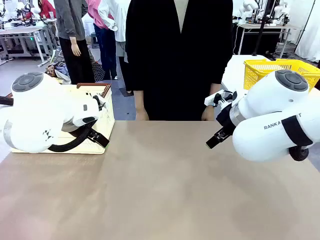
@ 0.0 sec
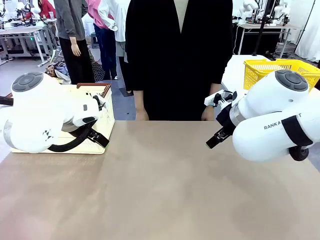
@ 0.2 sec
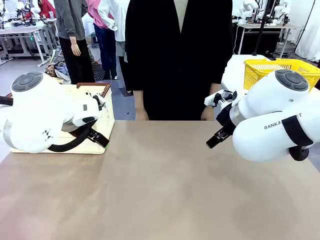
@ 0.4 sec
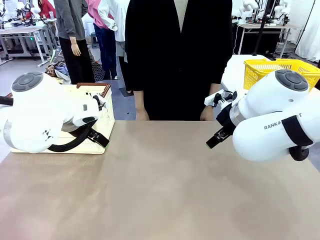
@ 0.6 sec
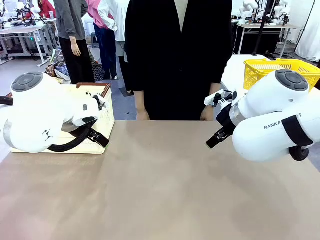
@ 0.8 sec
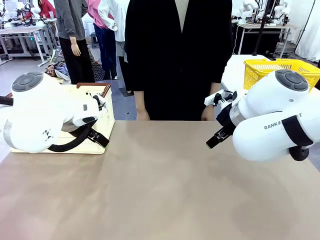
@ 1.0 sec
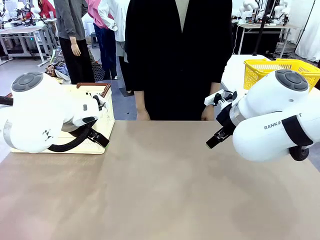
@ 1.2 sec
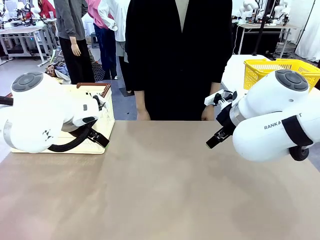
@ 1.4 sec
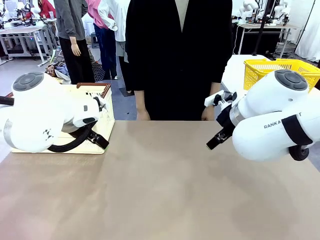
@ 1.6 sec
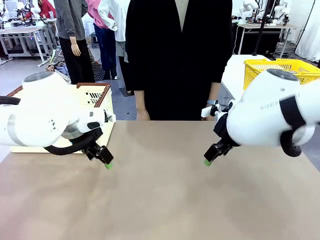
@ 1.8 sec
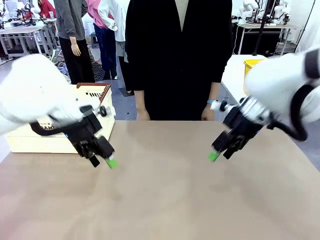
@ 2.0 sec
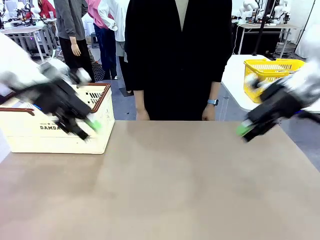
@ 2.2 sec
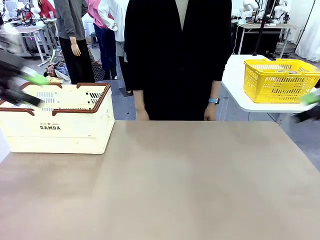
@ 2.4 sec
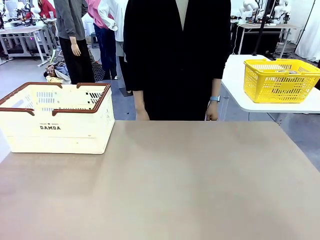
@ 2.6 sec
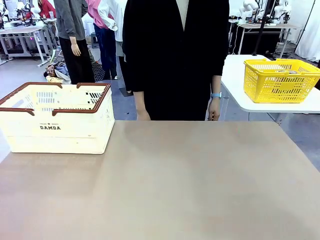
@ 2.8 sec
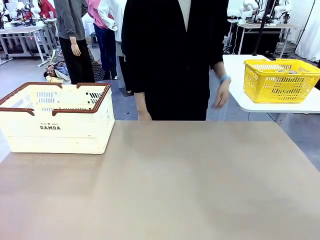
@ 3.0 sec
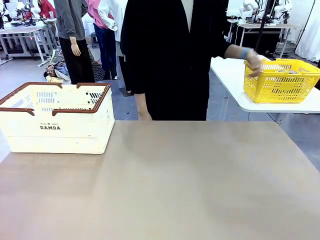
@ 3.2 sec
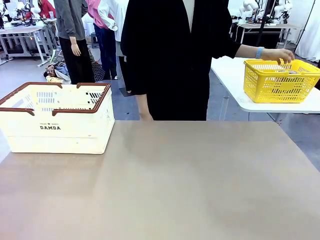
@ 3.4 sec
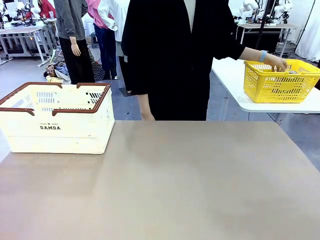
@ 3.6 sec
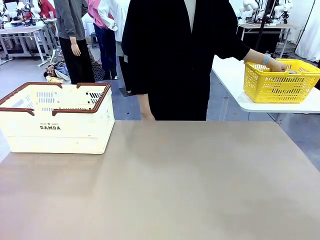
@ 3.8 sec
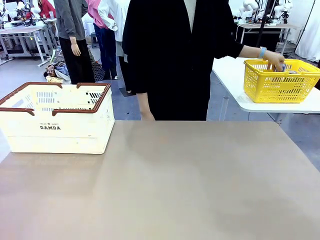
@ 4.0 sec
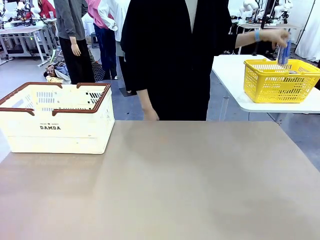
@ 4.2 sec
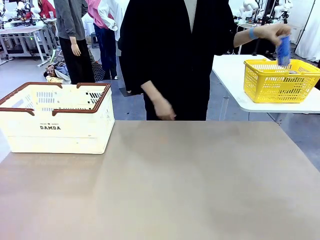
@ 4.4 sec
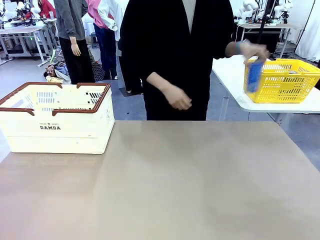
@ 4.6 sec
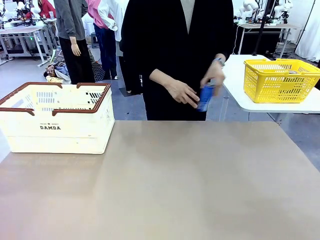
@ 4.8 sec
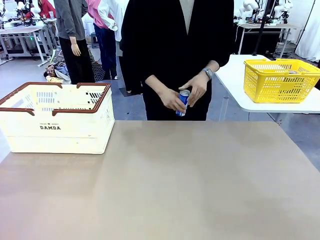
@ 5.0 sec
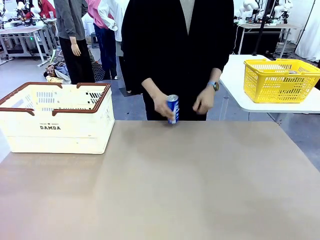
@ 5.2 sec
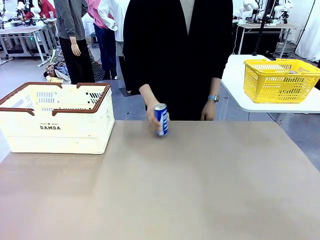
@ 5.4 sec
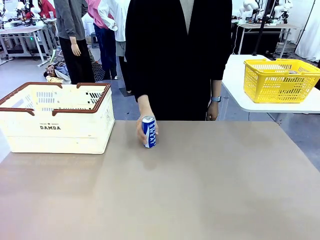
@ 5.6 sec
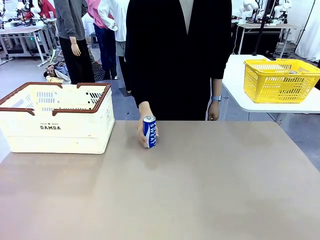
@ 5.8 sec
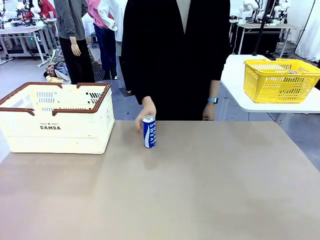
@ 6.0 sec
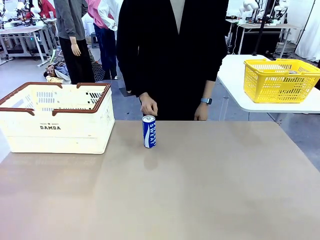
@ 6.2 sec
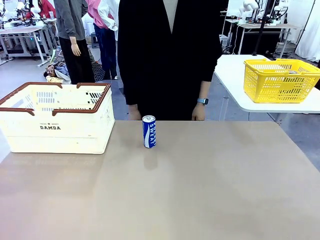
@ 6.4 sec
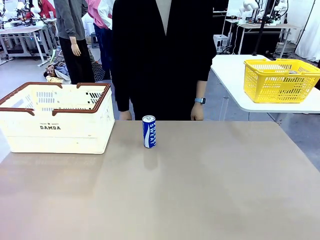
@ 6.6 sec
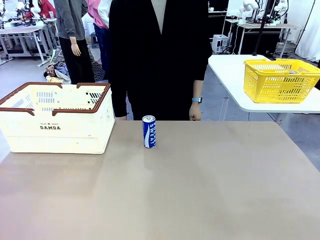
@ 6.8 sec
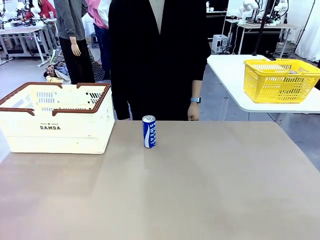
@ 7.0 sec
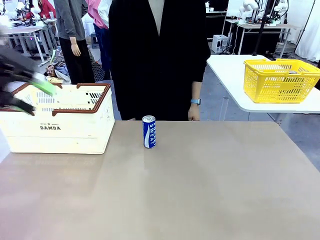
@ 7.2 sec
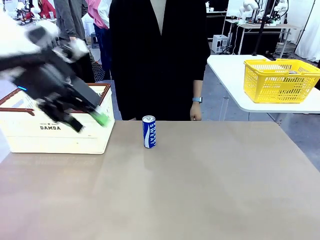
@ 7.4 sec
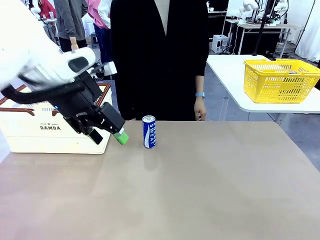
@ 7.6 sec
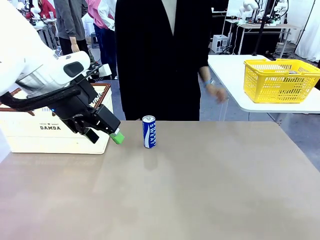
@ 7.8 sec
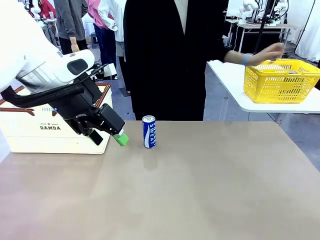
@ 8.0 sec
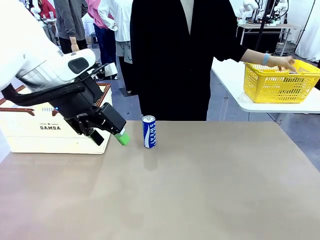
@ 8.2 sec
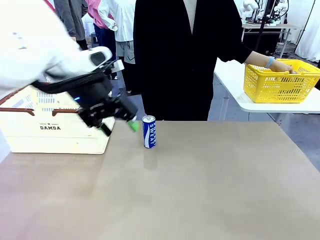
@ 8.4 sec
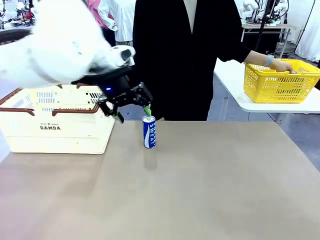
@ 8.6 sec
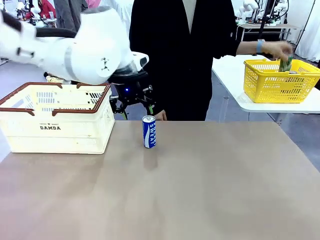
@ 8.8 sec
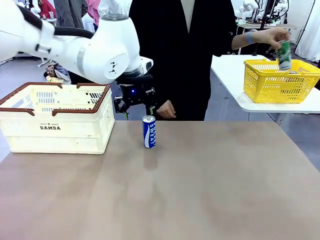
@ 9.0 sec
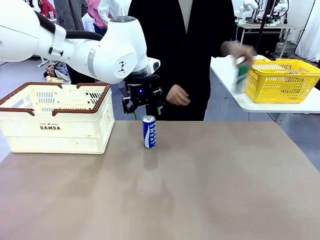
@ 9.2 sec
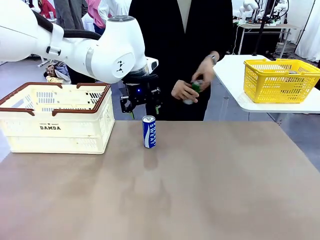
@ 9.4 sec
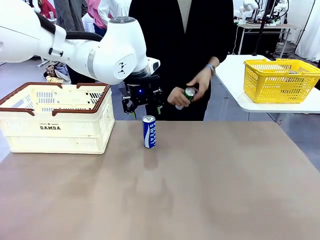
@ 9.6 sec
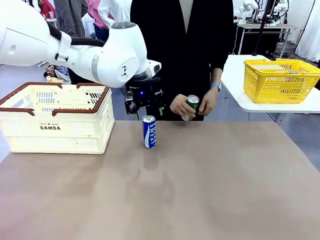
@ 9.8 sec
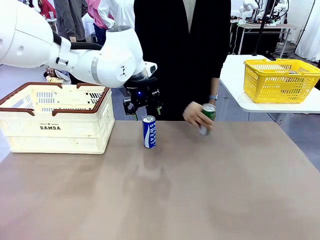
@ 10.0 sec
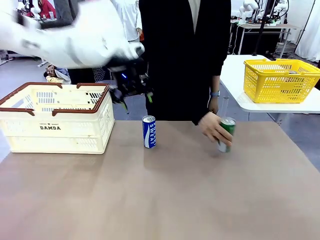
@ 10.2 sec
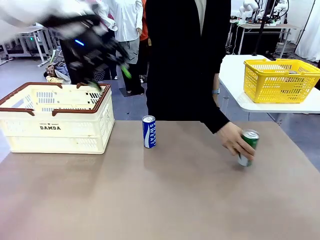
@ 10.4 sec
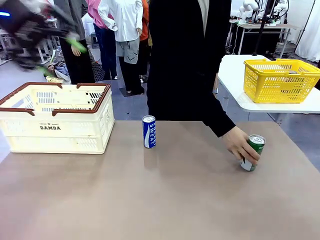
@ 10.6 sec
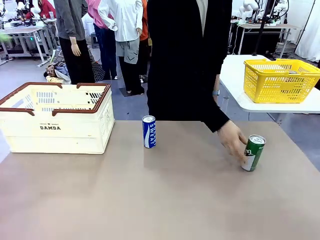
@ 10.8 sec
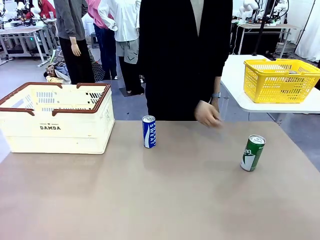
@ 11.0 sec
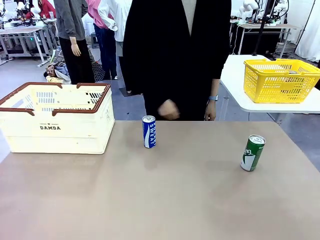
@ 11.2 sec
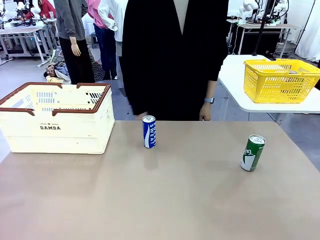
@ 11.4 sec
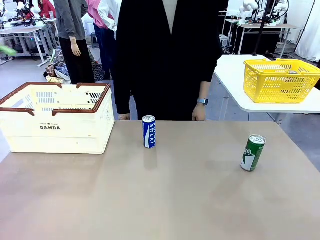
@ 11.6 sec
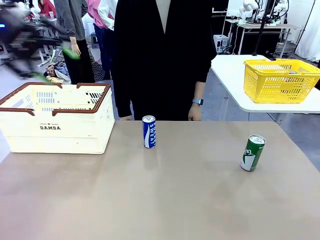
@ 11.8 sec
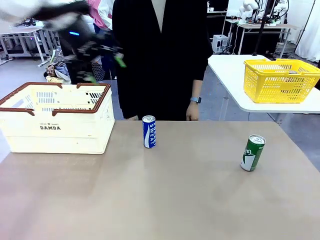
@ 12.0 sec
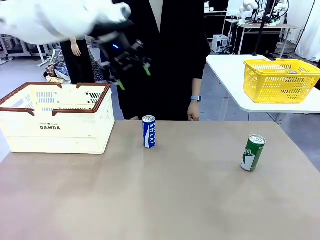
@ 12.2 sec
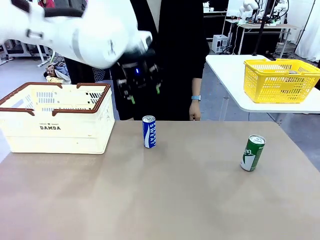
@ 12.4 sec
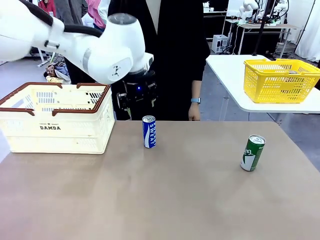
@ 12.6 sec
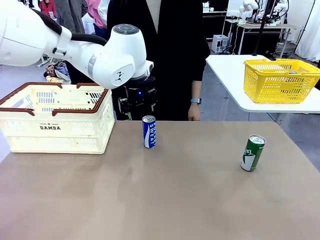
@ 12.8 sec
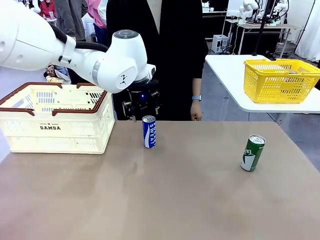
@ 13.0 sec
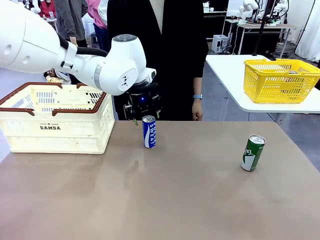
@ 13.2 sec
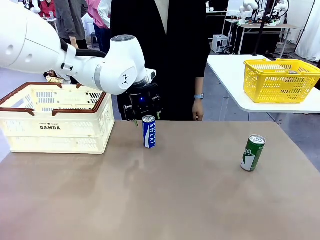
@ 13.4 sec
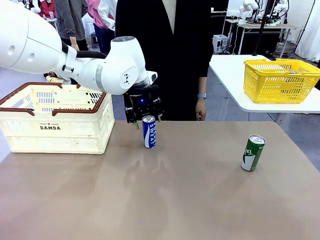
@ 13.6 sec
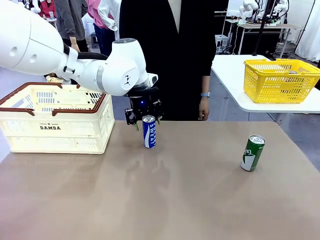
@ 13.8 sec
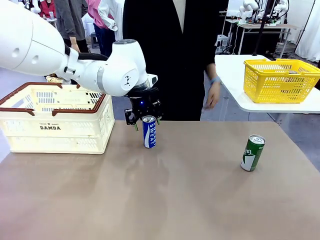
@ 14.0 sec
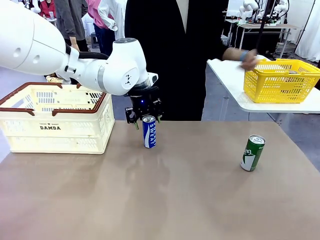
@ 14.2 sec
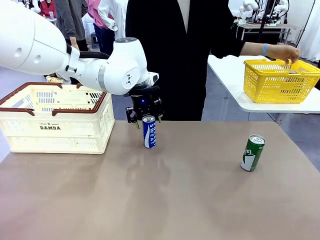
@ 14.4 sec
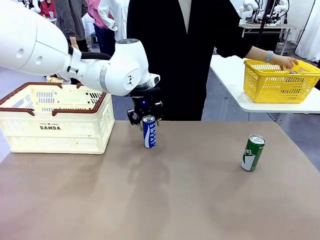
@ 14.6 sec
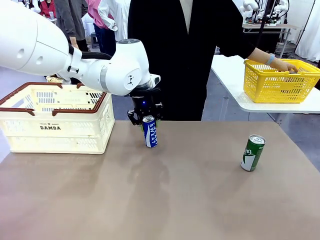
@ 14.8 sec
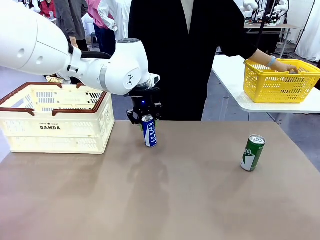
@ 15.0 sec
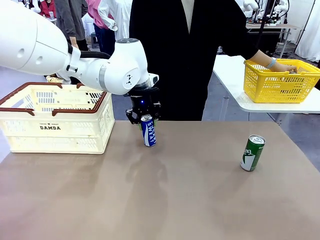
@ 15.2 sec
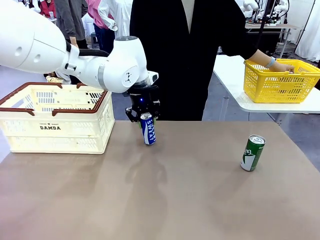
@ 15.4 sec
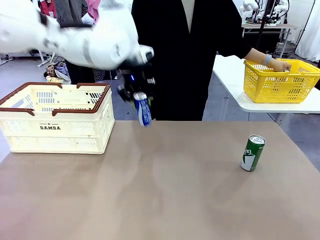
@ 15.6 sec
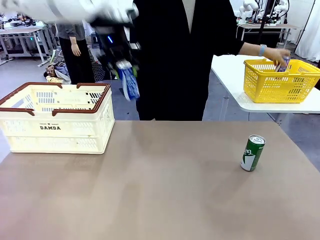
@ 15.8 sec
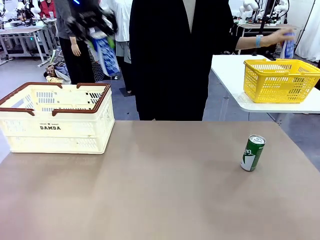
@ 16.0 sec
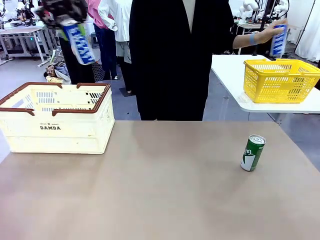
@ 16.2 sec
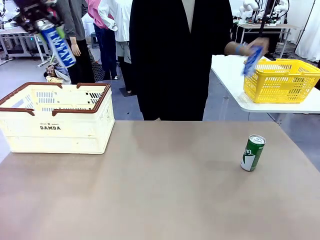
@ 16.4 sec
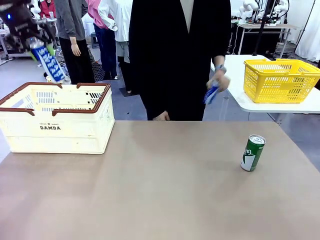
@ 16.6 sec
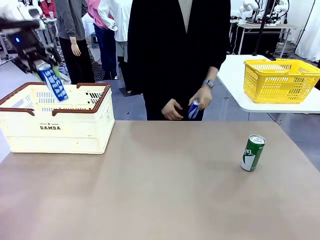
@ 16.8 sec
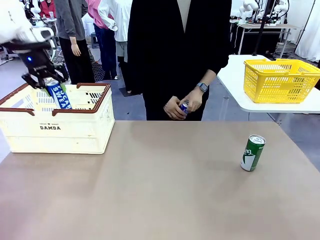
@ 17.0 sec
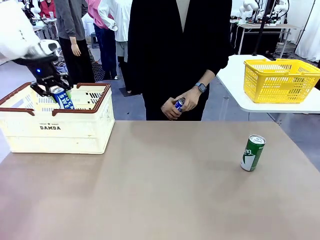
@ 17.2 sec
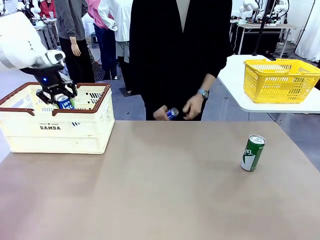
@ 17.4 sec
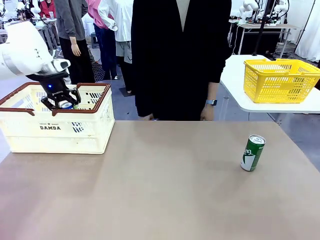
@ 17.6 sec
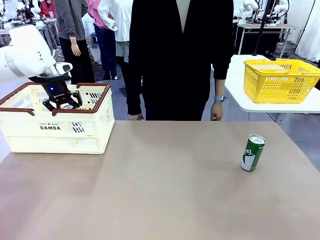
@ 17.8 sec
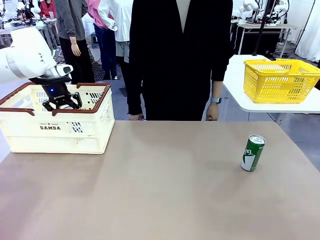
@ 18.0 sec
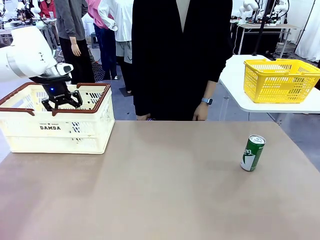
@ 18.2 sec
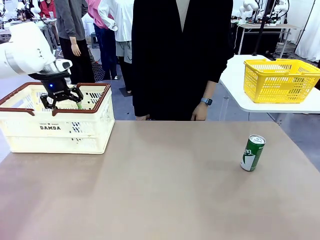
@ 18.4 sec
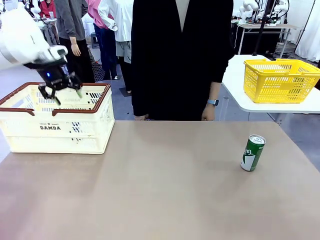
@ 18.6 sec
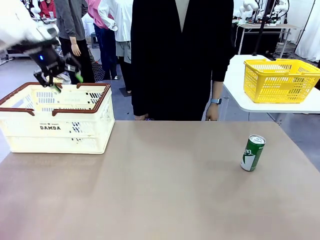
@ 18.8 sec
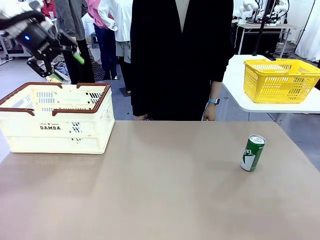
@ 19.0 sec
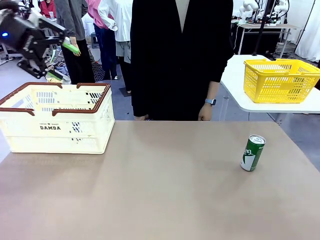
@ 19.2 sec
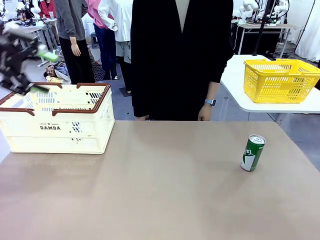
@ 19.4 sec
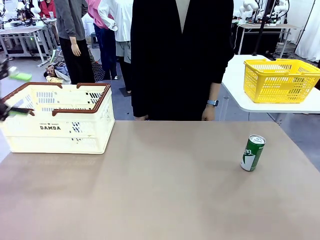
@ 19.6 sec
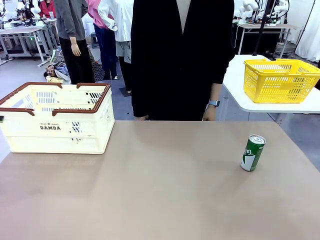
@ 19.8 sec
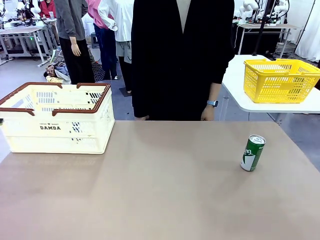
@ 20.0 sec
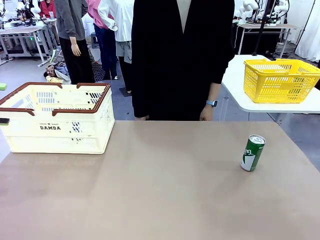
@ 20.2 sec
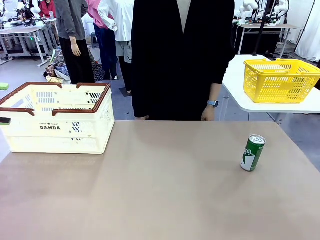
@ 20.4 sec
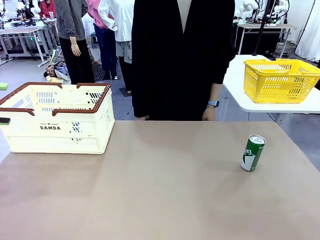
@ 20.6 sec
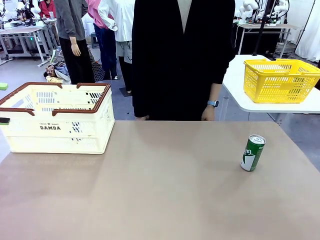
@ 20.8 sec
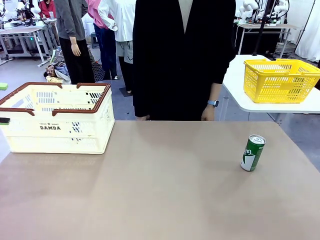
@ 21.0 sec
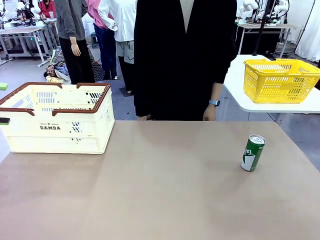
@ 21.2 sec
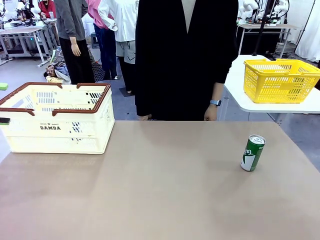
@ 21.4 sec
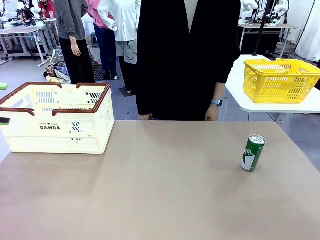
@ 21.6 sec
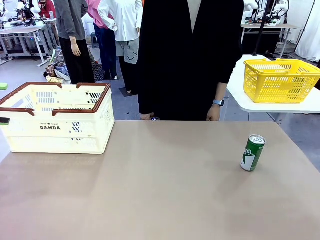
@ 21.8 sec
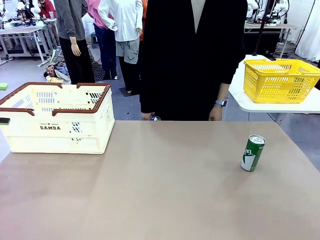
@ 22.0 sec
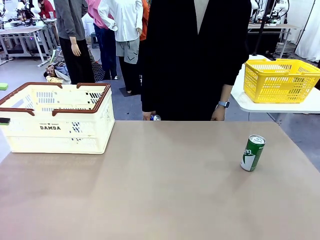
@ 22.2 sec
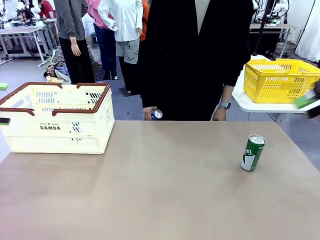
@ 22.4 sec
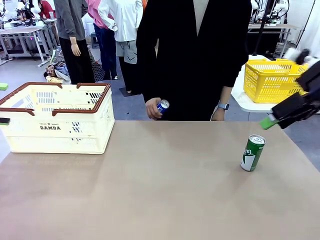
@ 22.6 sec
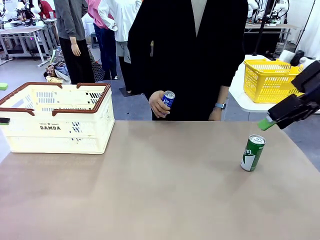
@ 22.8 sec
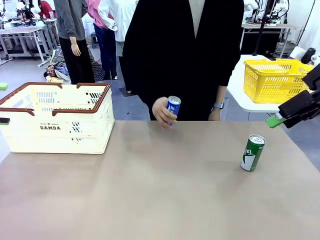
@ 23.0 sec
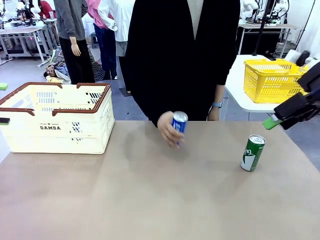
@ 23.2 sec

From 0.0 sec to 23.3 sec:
Task: Place the drinks into the Shopping basket.
Robot: Pick up one drink and place it into the Shopping basket.
